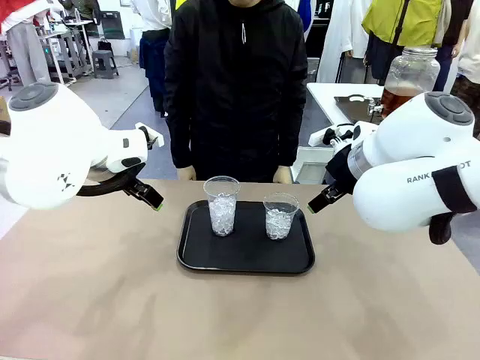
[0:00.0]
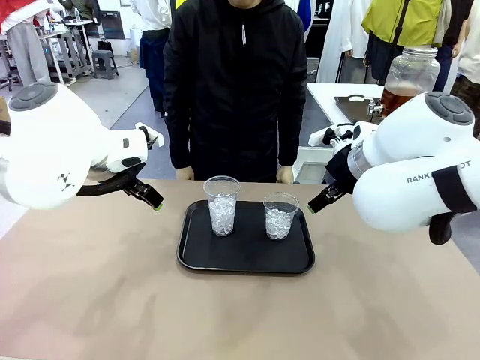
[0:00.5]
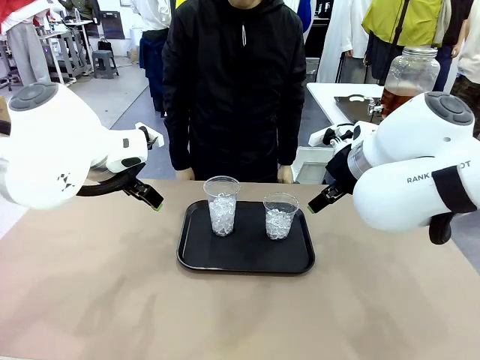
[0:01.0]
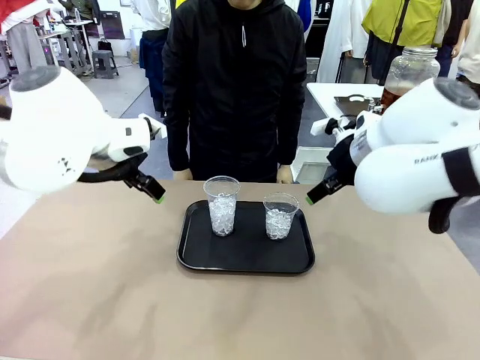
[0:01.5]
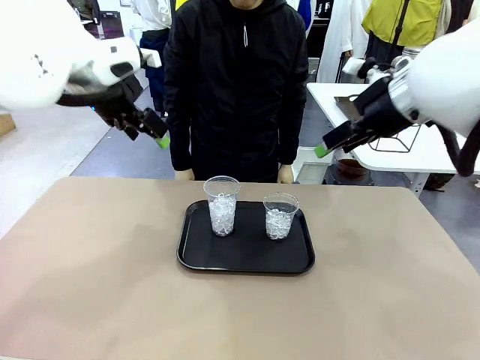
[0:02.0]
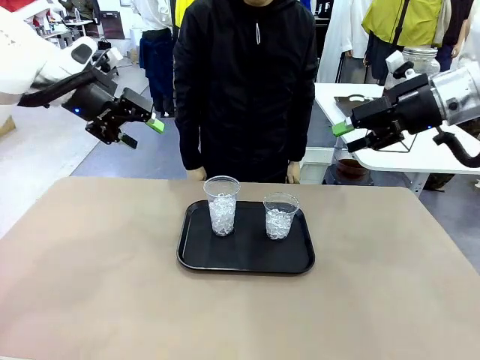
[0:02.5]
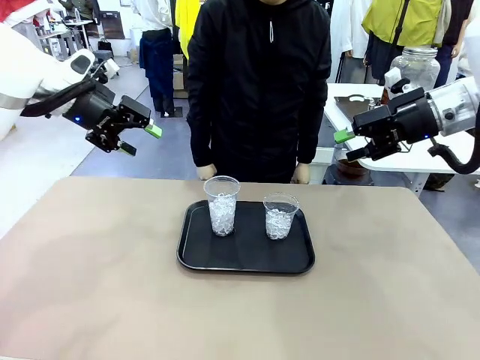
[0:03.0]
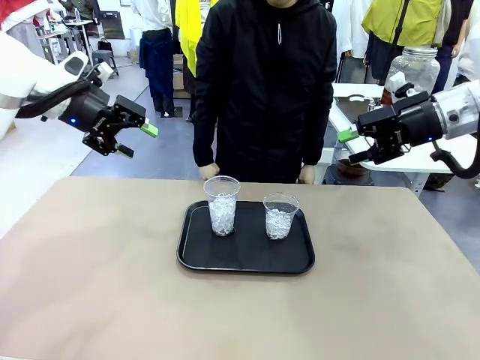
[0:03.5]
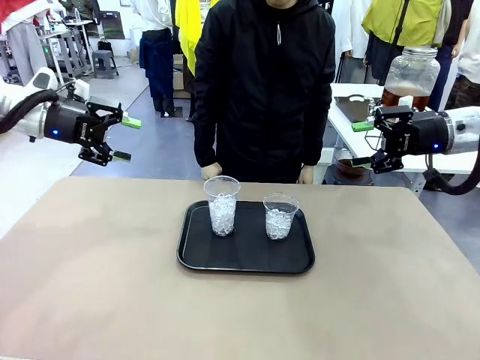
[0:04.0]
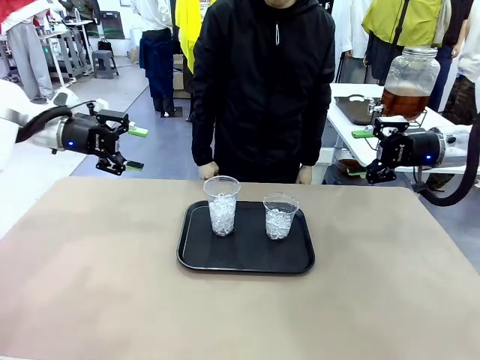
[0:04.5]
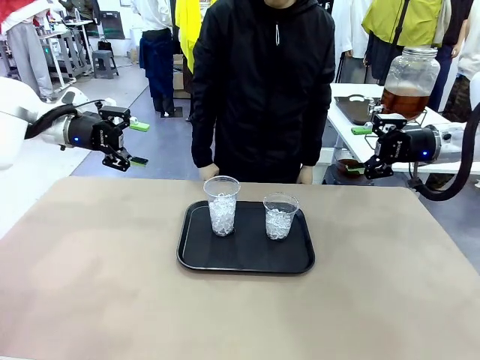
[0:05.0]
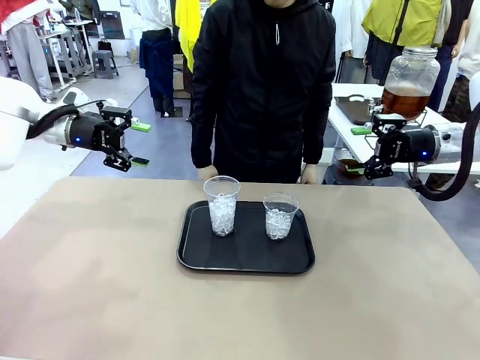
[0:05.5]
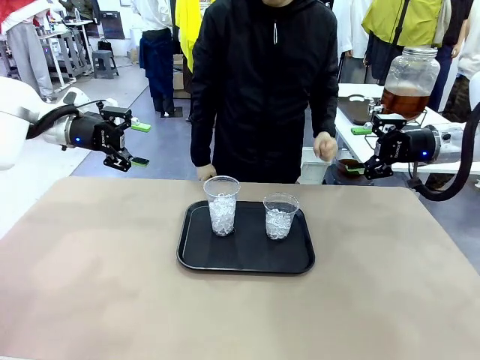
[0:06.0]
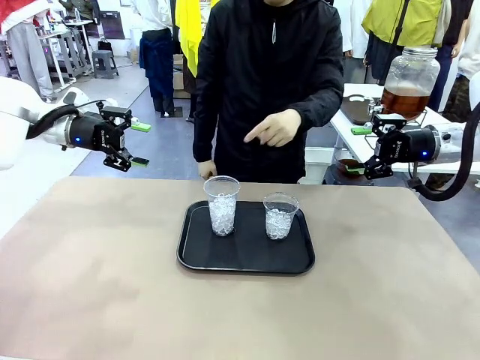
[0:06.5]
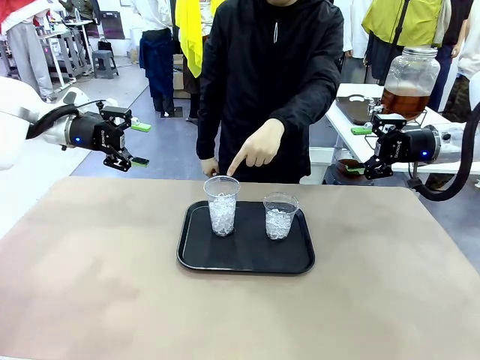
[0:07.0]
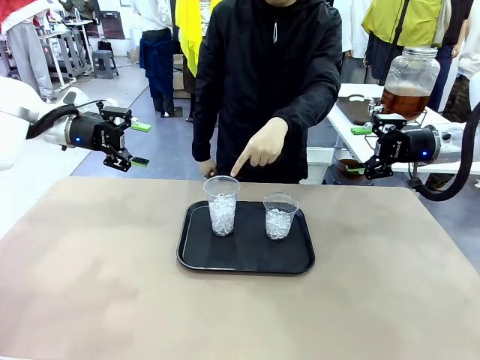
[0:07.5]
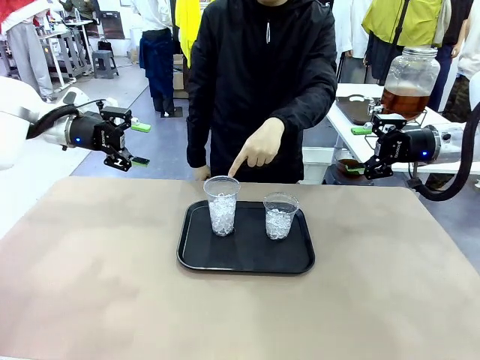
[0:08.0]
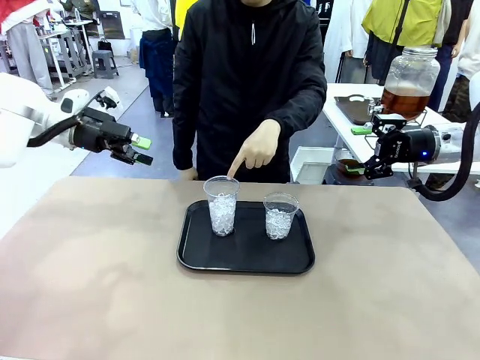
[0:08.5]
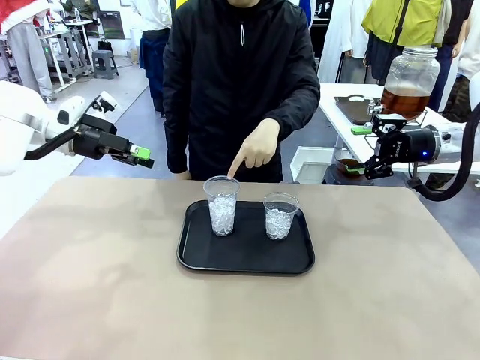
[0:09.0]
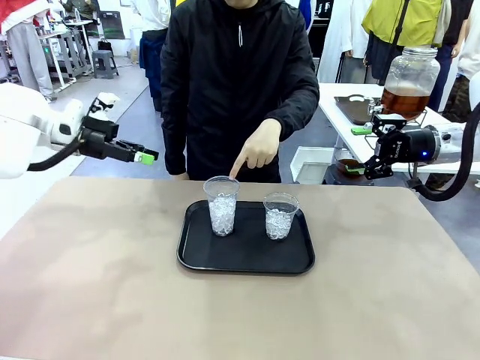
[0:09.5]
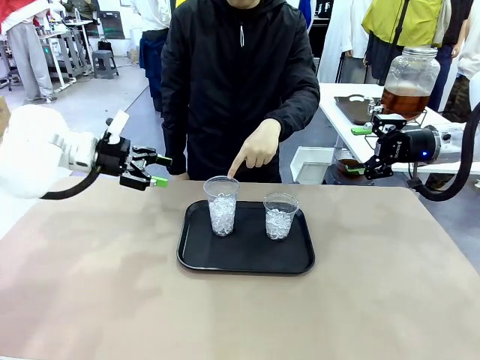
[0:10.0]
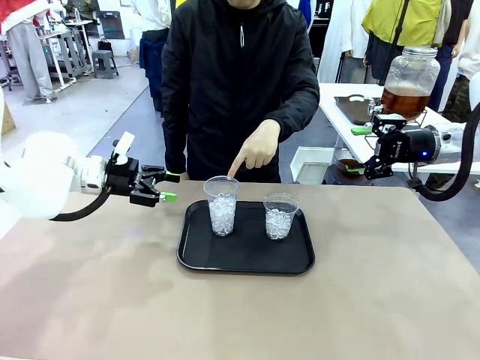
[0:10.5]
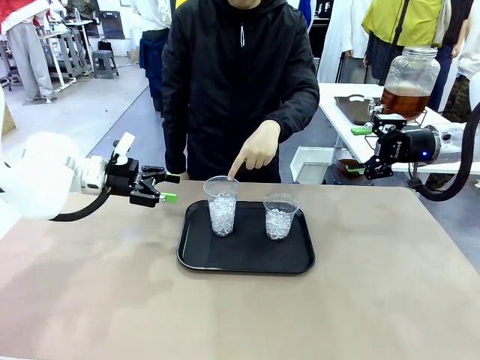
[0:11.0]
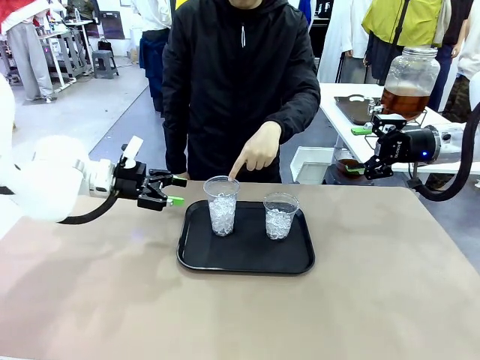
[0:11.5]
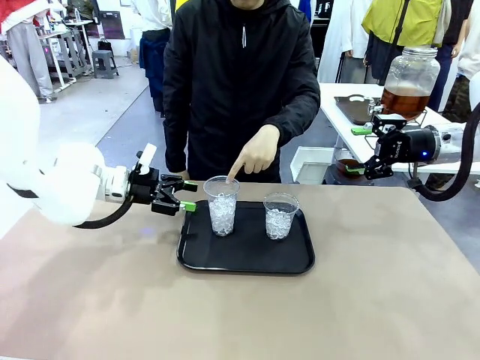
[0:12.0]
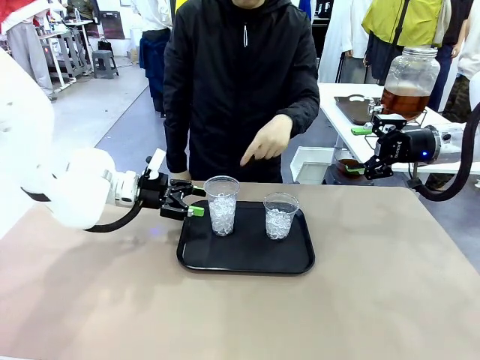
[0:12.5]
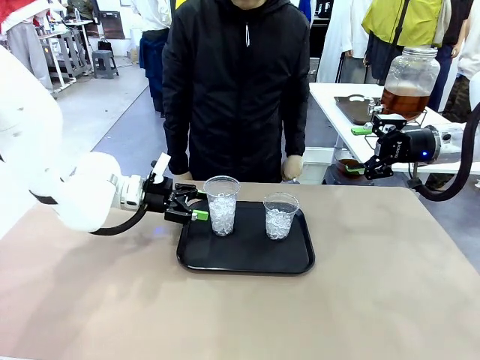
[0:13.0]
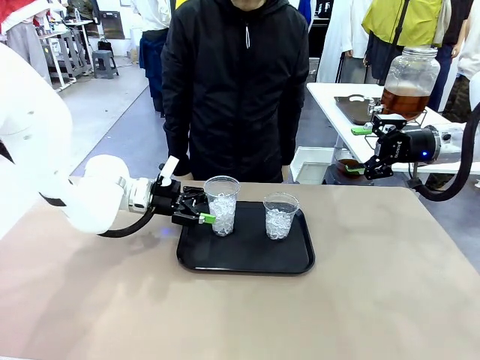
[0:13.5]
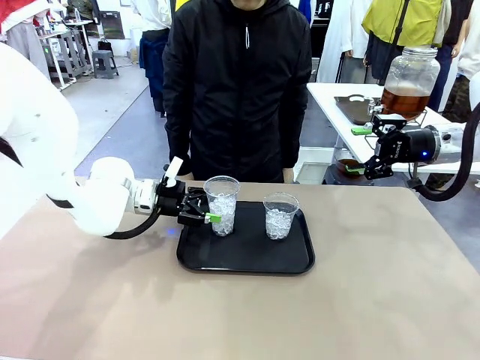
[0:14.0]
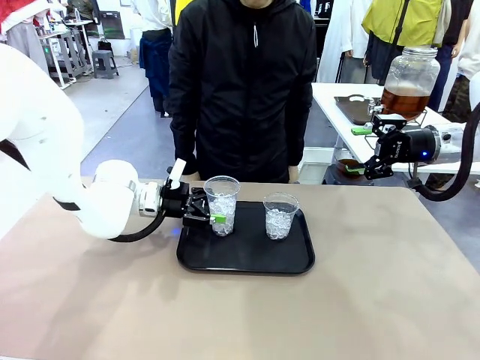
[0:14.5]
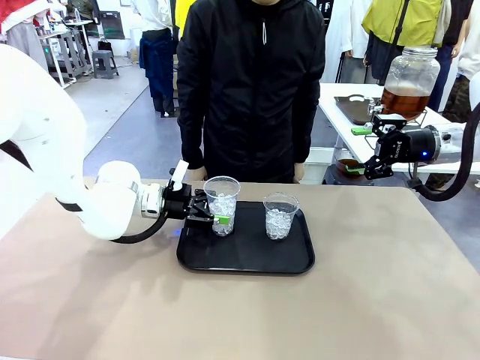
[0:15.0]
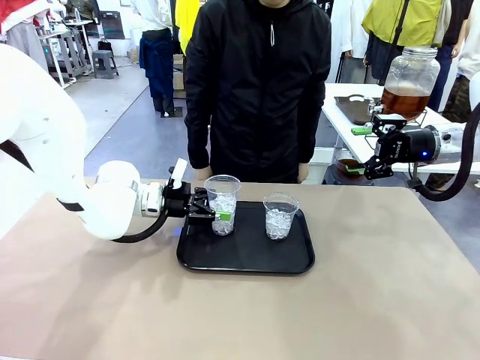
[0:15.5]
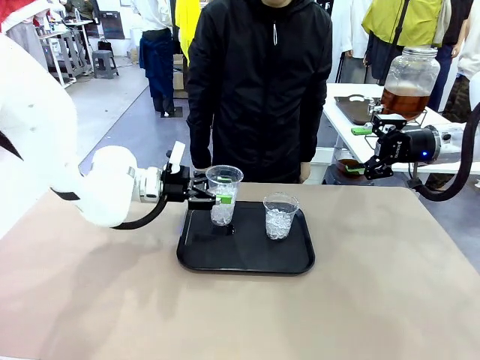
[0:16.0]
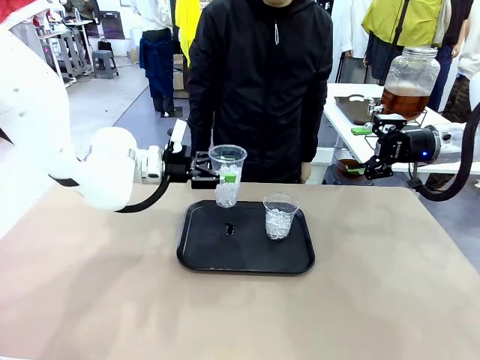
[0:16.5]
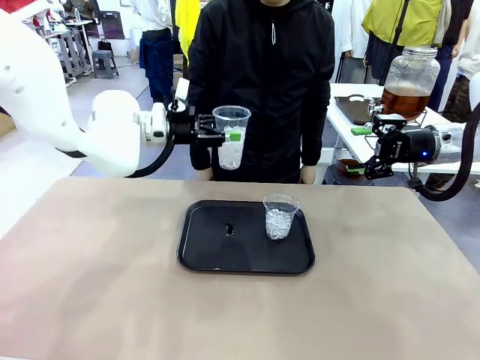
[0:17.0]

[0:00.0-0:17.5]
Task: Pour the drink into the iced cup.
Robot: Pick up the iced cup indicated by the human and present it to them.
Person: Point to one of the two ice cups. Pick up the cup offered by the robot.

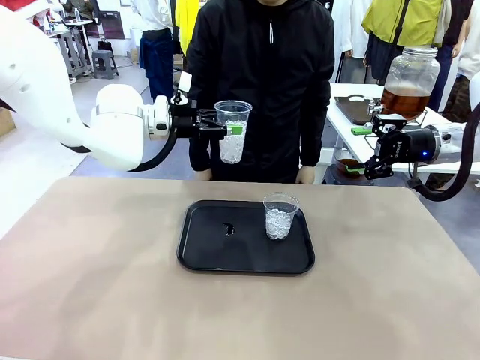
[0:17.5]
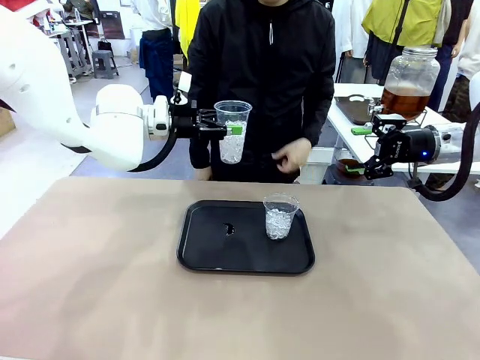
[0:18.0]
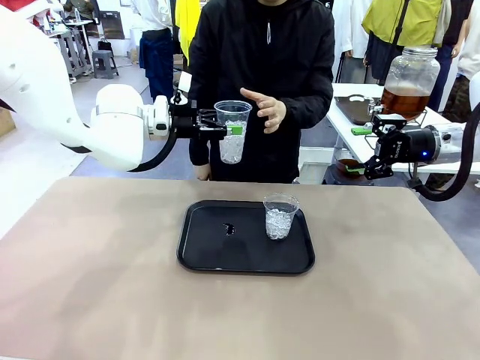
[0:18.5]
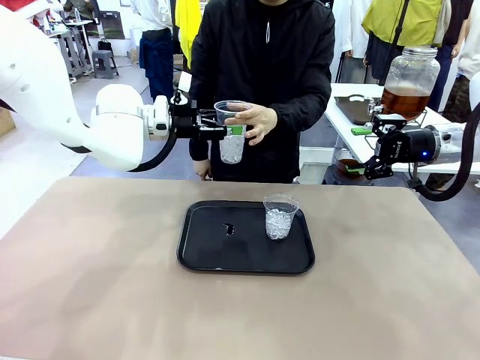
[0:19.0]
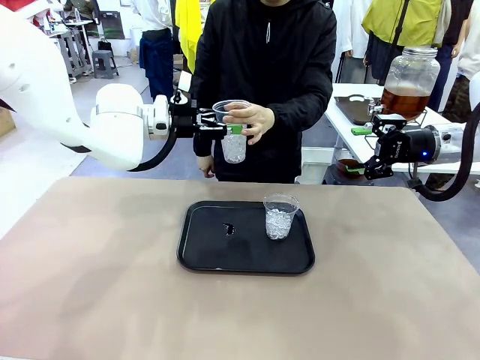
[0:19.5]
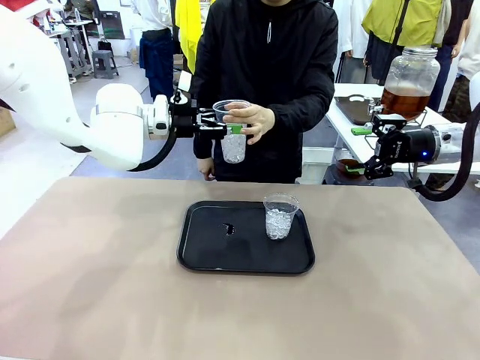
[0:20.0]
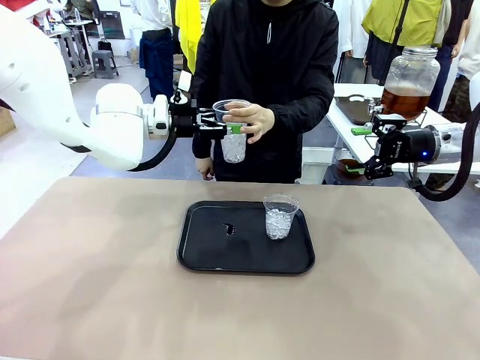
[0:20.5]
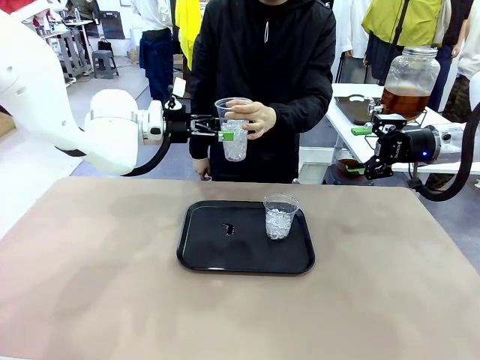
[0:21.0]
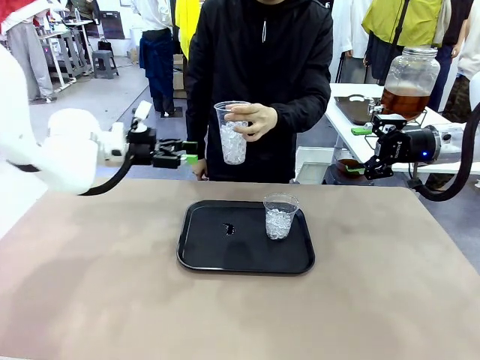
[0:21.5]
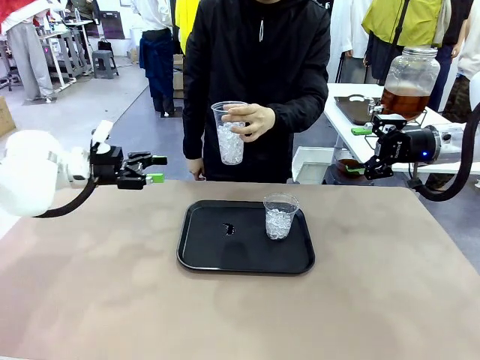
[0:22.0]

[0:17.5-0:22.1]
Robot: Open the gripper to release the iced cup you were holding.
